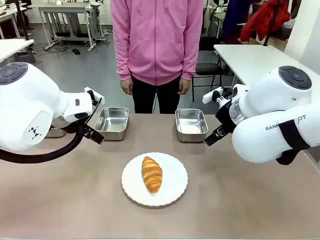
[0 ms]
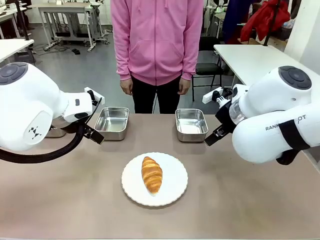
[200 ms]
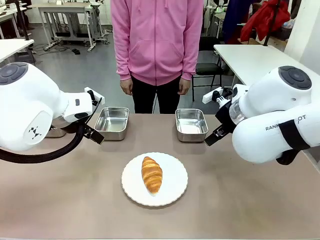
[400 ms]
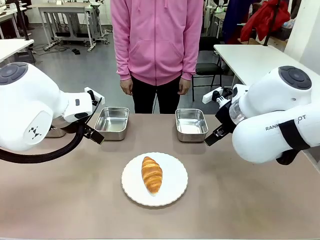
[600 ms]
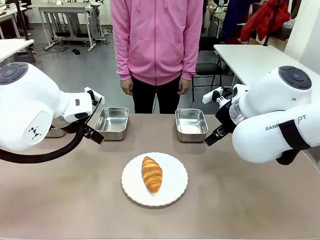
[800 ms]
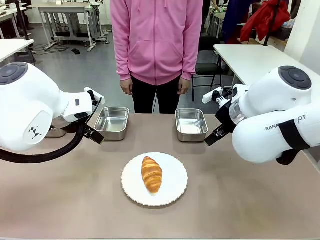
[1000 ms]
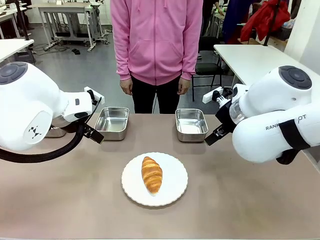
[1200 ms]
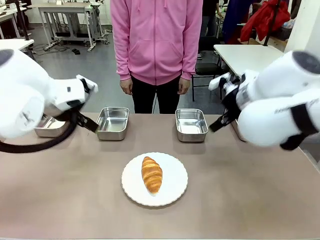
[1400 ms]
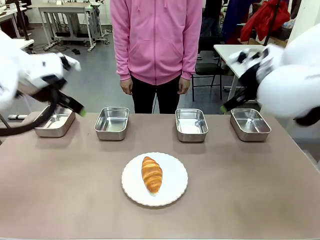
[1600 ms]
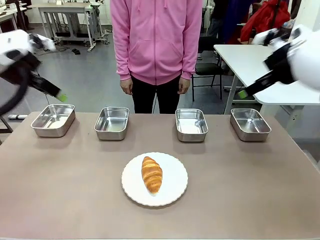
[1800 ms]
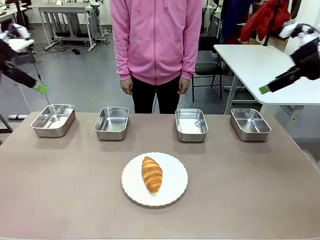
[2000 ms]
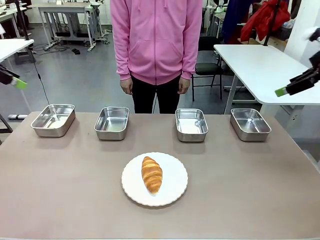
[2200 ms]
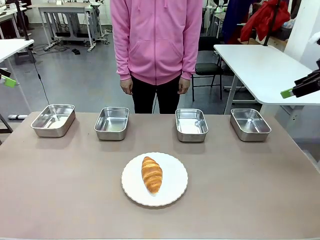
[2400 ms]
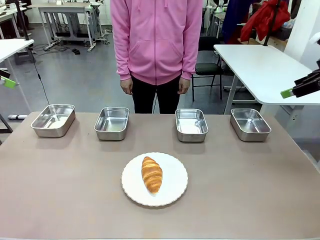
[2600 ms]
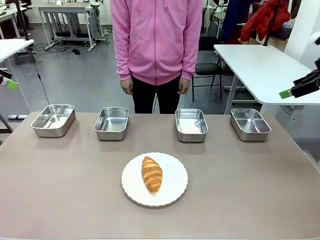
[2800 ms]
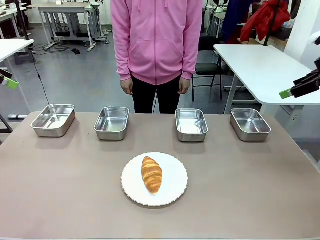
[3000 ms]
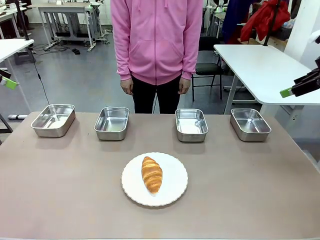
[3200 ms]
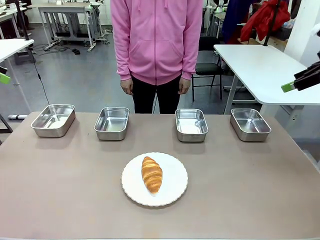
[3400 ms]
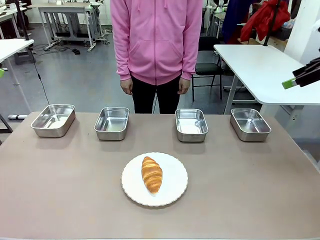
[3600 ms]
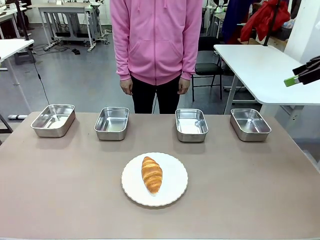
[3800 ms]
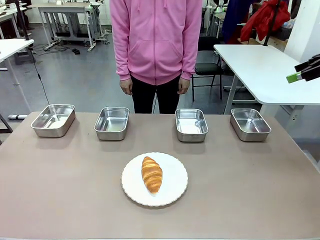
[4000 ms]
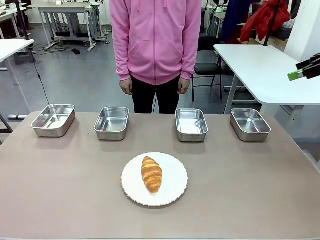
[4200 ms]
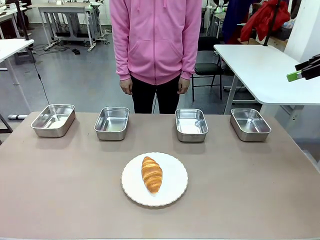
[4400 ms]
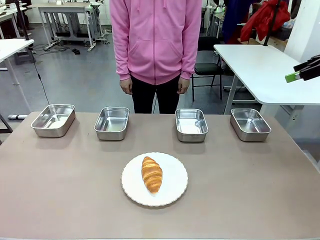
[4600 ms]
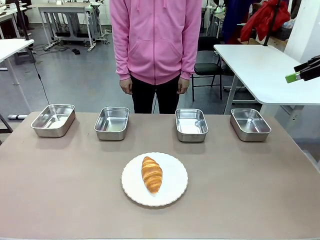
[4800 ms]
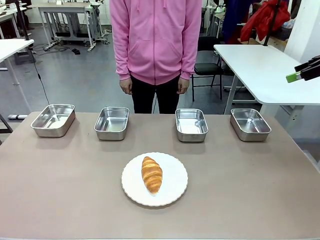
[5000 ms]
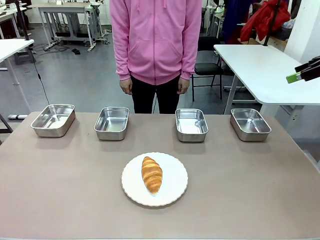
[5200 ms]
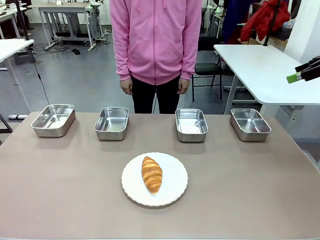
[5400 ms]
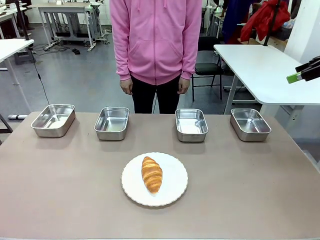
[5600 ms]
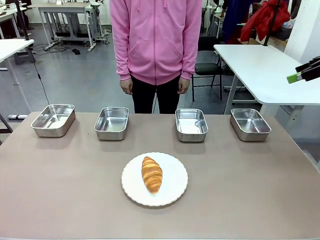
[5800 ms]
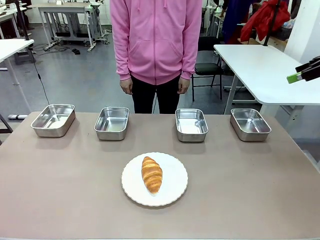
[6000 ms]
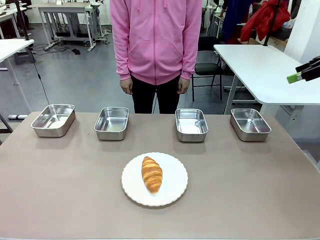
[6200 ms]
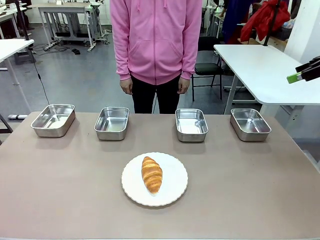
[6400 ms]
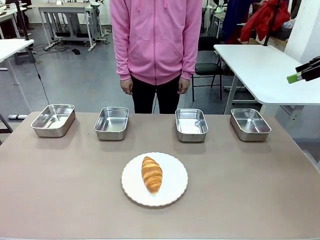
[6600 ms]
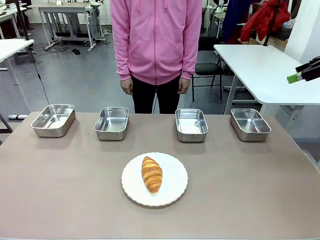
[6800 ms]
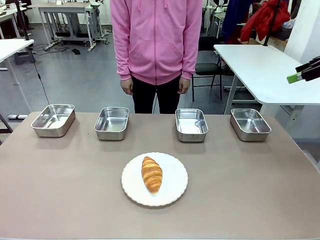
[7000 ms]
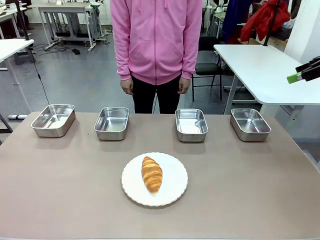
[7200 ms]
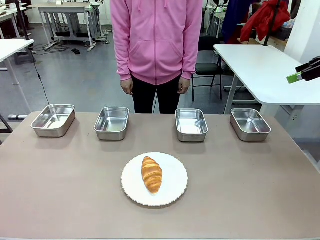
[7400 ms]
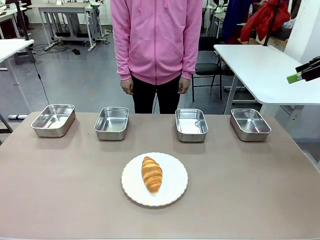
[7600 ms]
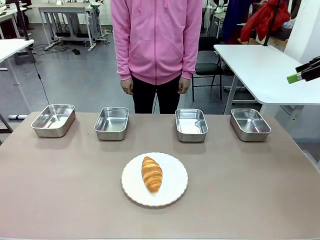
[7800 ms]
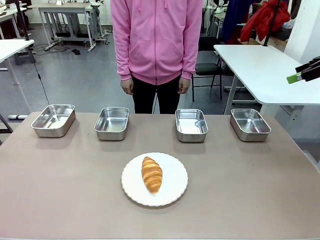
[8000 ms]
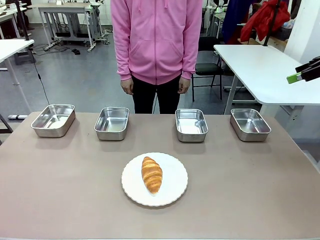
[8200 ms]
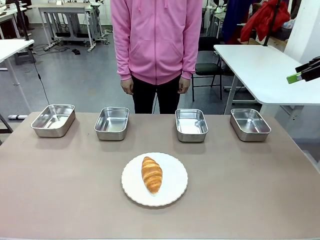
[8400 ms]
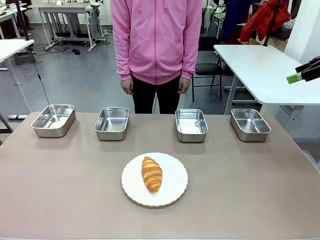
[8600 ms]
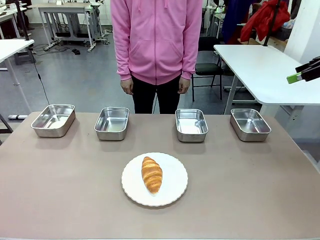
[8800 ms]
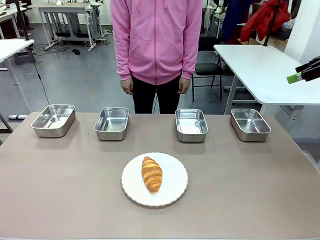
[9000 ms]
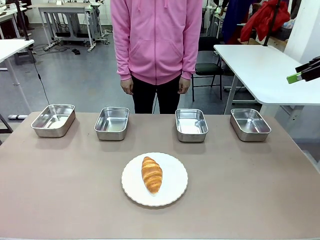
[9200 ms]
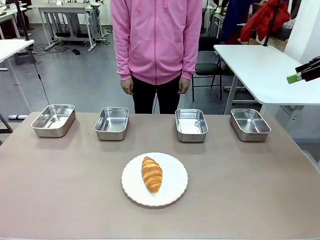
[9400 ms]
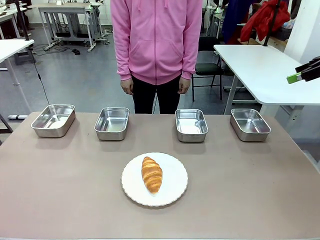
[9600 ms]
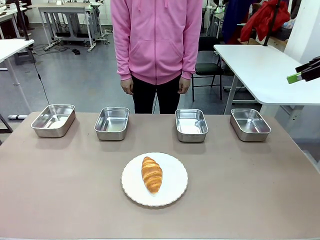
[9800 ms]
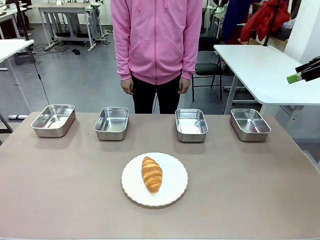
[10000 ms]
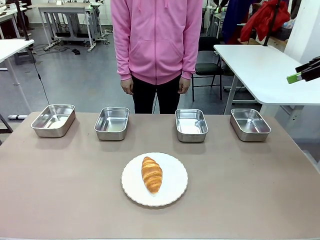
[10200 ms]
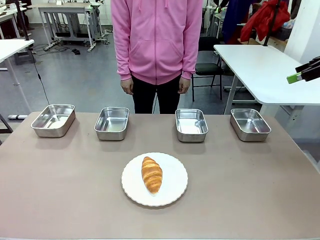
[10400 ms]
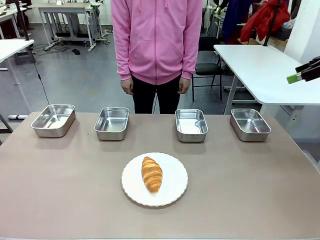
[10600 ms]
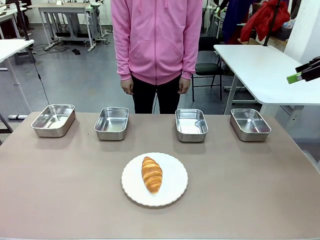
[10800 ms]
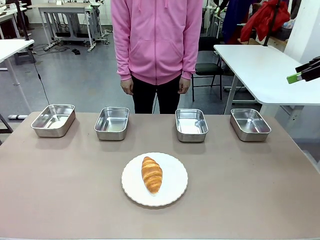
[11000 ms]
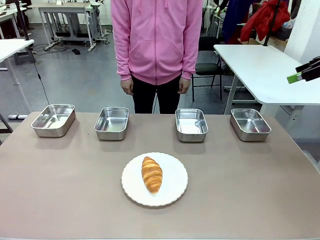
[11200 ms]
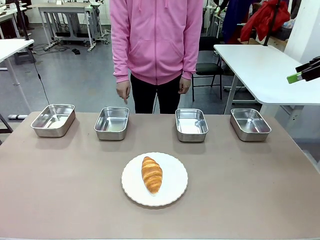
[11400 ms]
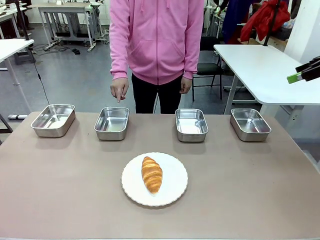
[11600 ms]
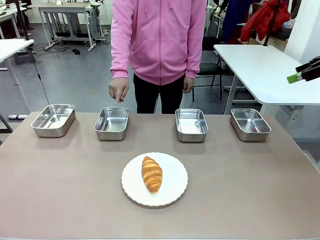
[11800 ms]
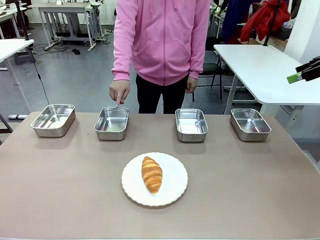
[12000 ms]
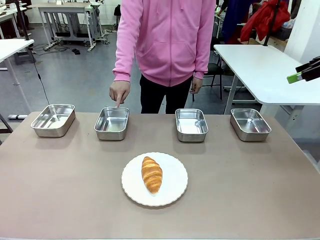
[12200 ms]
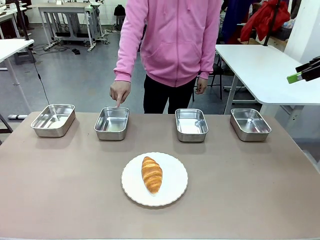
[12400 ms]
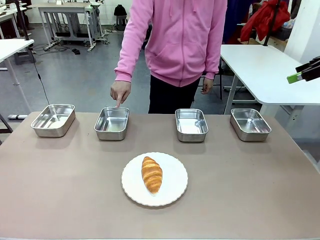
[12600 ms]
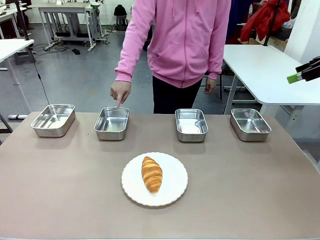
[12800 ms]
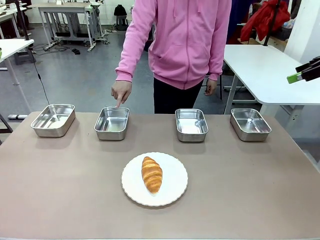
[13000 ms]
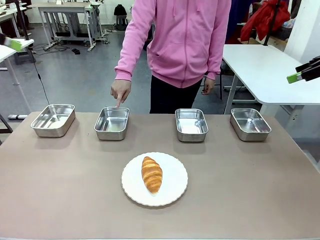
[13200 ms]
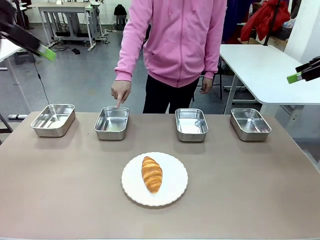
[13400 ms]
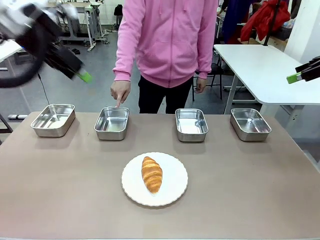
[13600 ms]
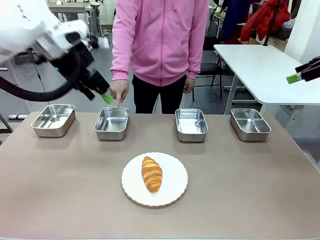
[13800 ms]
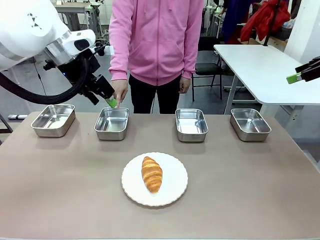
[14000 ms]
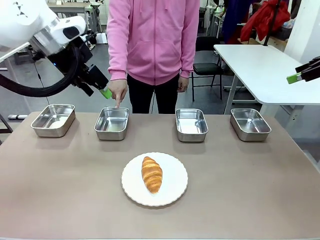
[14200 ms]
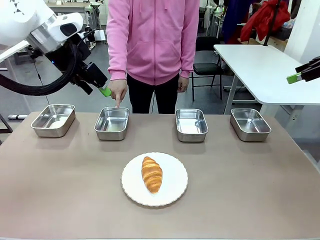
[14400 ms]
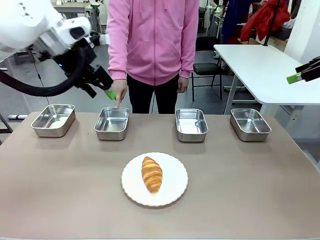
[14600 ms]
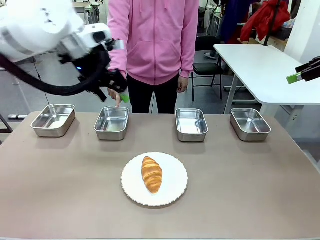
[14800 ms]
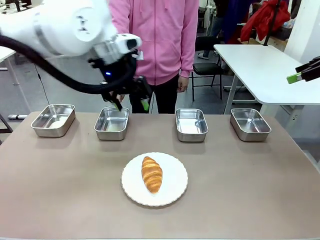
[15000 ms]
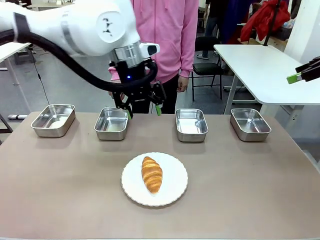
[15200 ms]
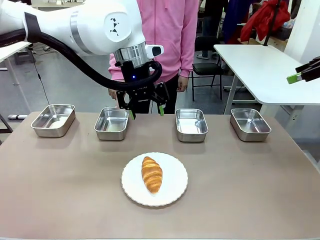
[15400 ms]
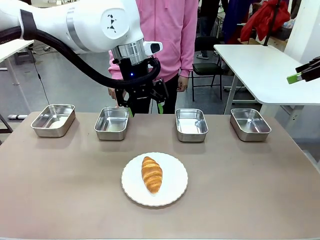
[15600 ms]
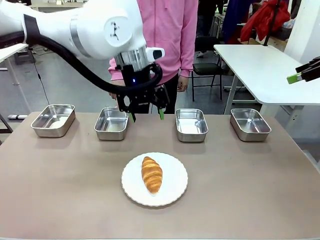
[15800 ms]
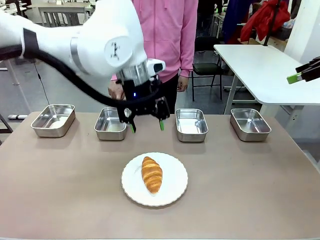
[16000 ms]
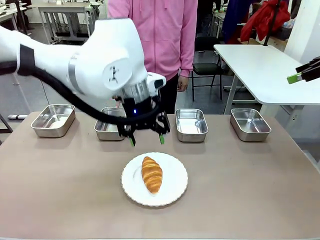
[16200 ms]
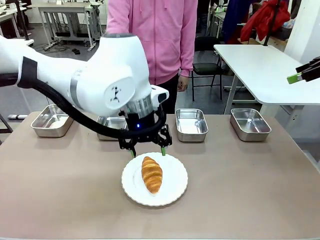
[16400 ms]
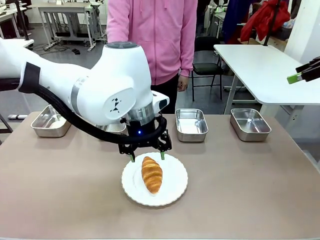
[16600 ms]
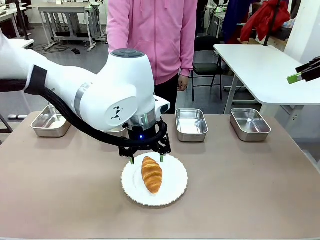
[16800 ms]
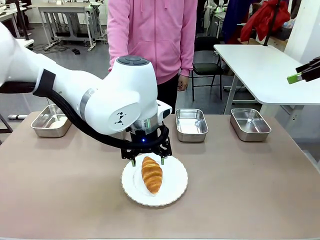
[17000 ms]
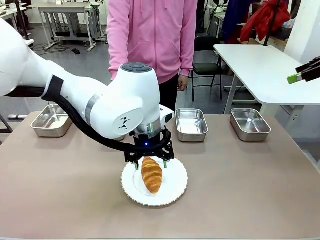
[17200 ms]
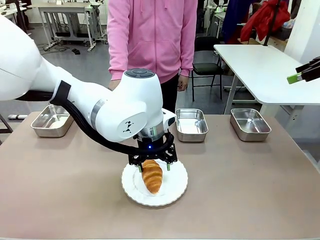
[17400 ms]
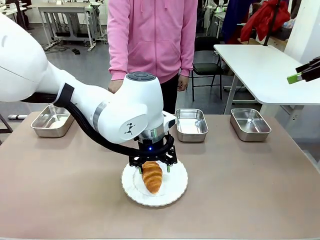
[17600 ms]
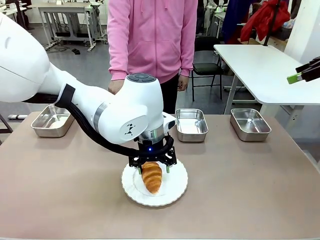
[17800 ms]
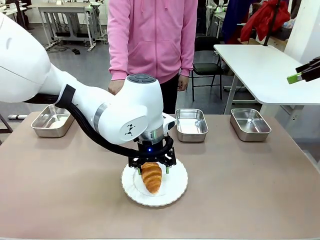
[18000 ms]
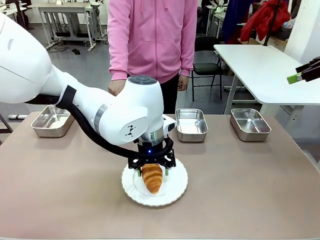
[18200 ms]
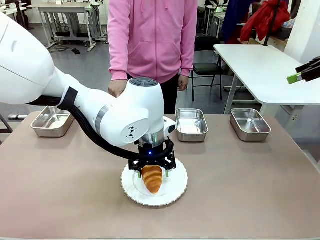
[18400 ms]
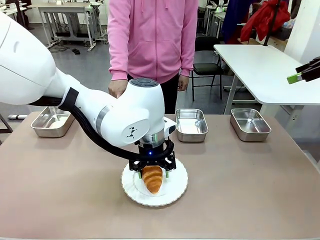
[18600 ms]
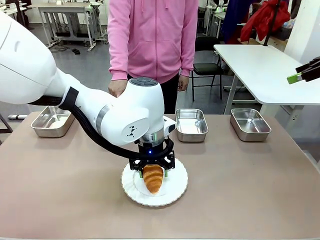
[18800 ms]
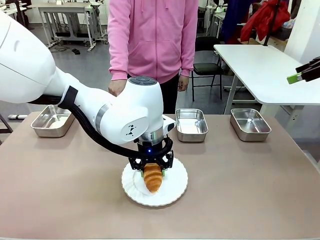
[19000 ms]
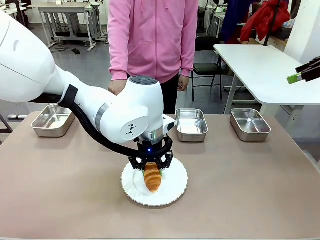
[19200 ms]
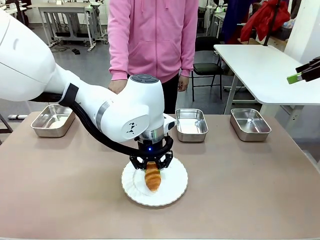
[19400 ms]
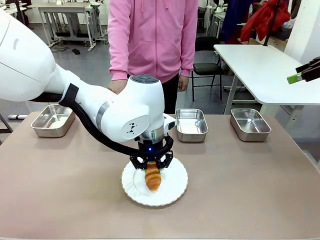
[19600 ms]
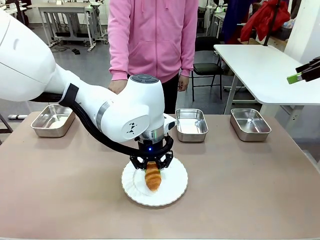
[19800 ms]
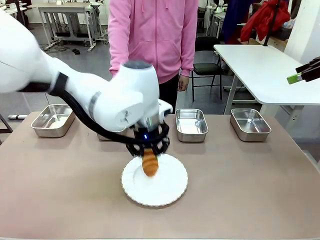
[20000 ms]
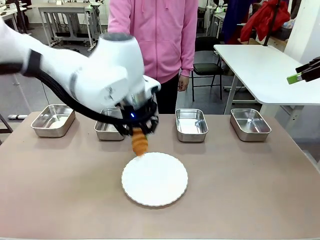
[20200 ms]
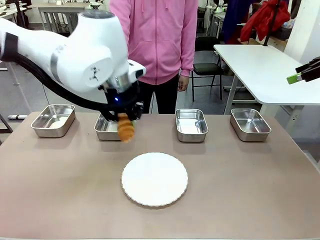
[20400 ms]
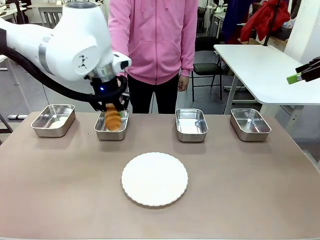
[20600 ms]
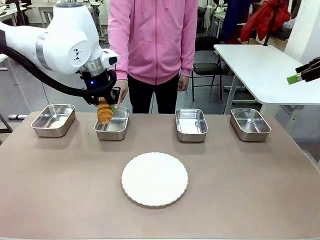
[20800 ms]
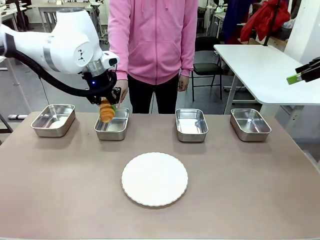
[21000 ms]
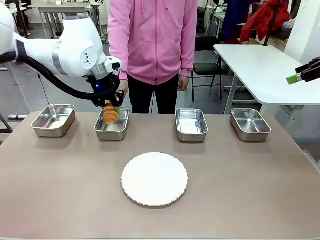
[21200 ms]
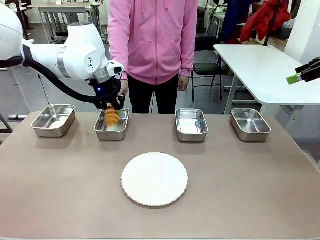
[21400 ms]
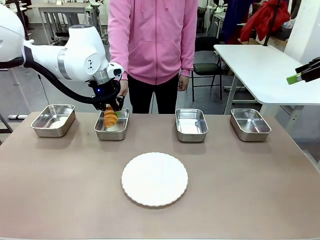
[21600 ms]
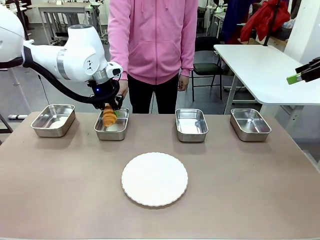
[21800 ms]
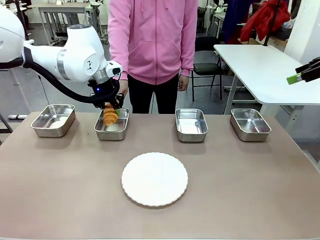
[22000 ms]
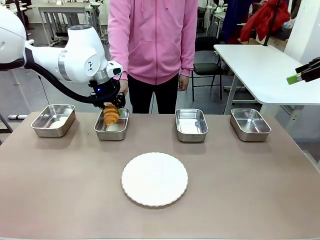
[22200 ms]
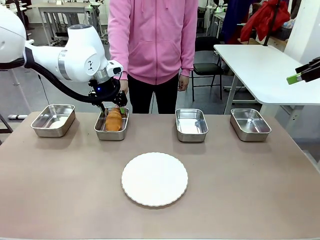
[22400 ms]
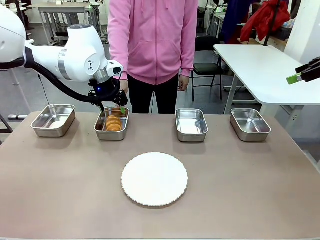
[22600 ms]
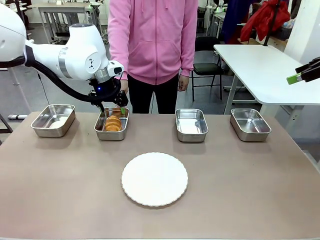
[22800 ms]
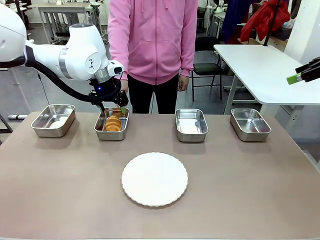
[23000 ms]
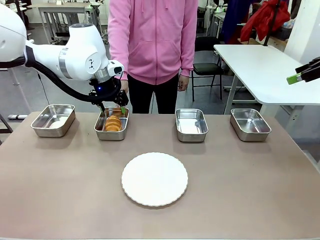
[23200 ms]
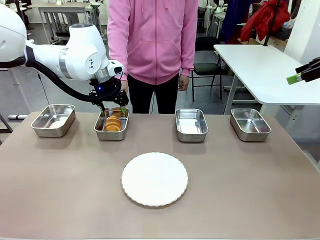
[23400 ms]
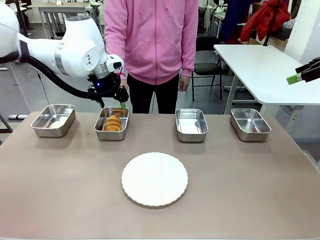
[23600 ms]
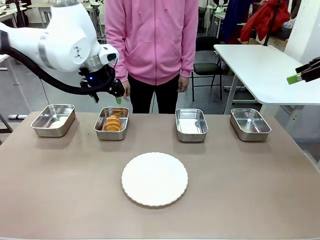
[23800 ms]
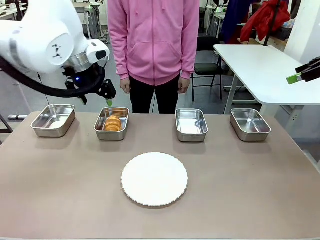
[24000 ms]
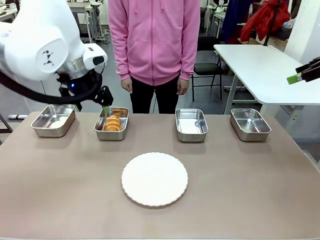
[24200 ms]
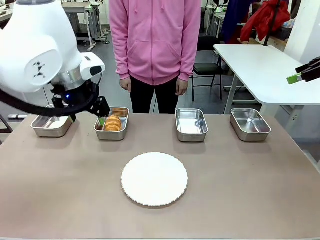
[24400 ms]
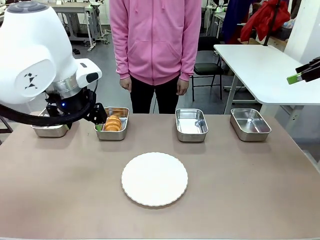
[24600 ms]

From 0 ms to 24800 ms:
Task: Place the bread in the container.
Robot: Place the Butter Roll into the Airtight Container indicated by the human.
Person: A person randomly selects and points to an Airtight Container.
